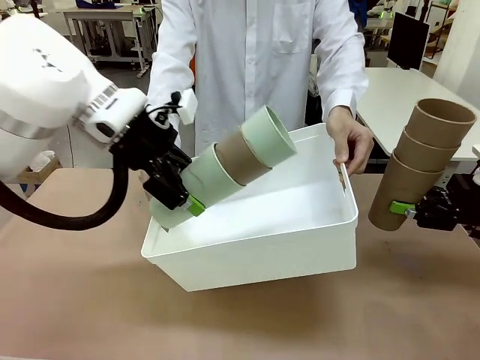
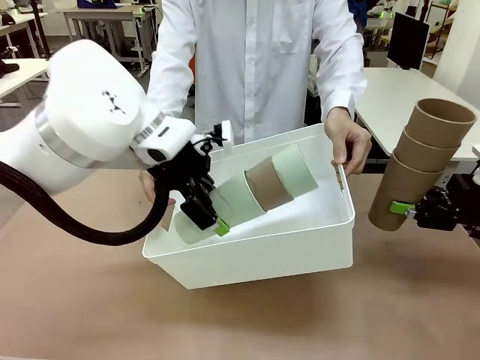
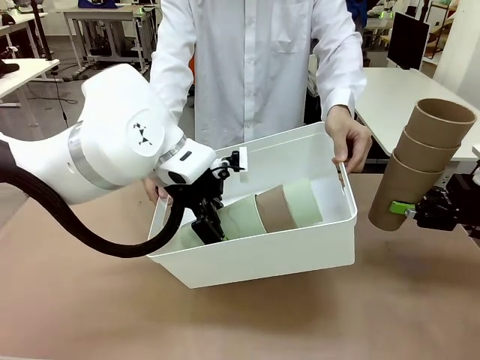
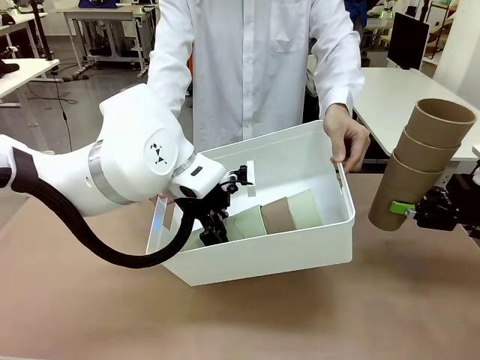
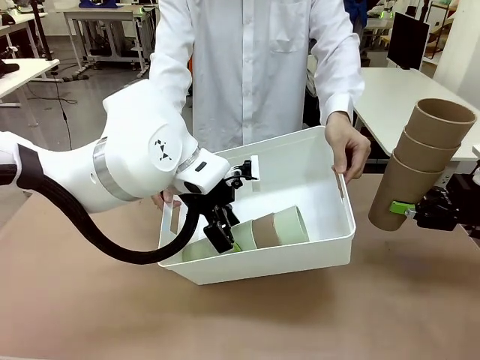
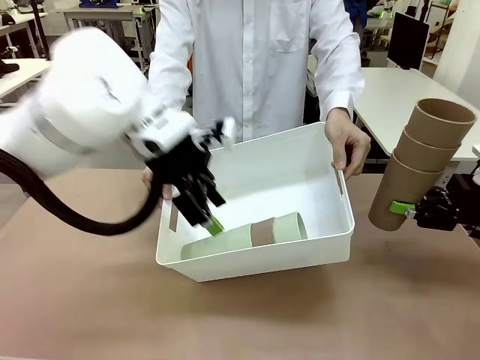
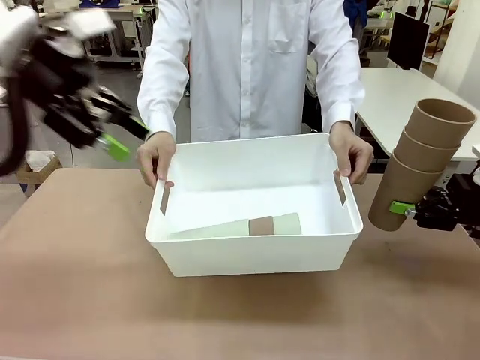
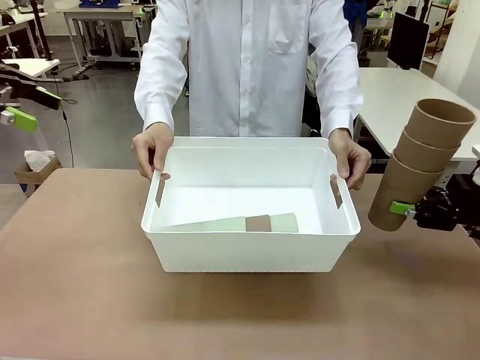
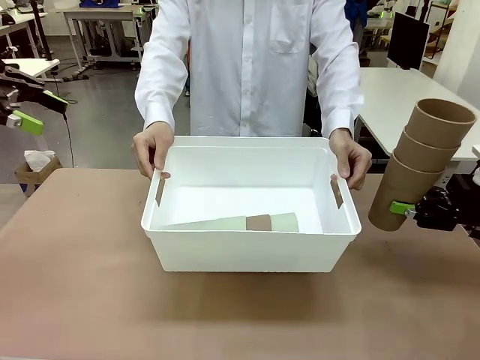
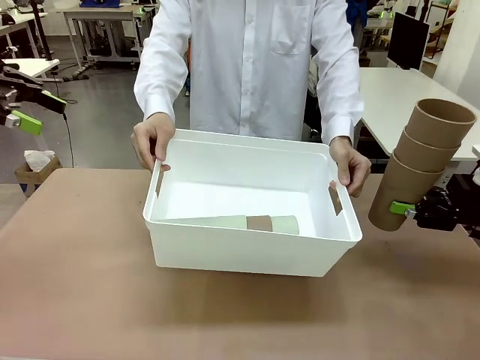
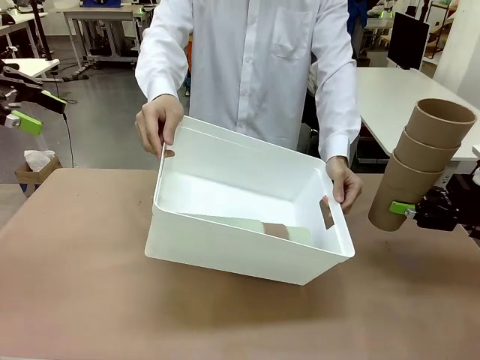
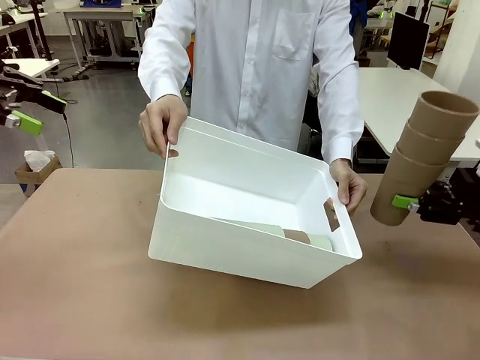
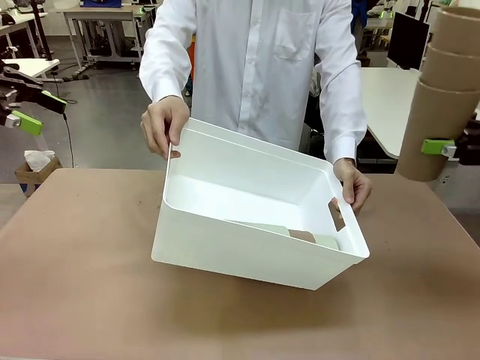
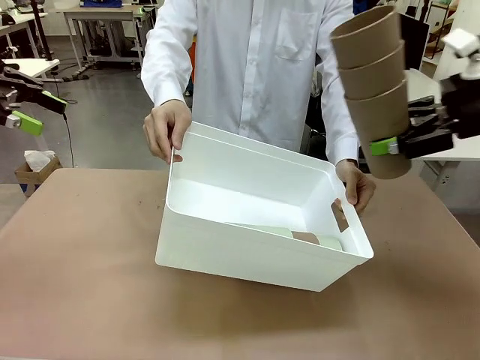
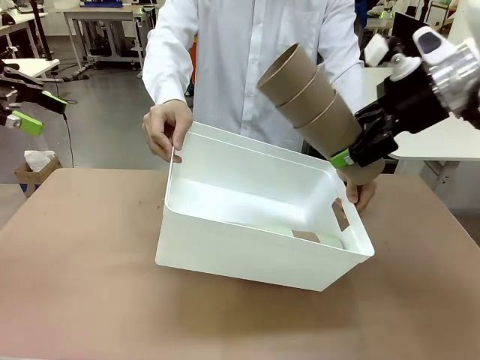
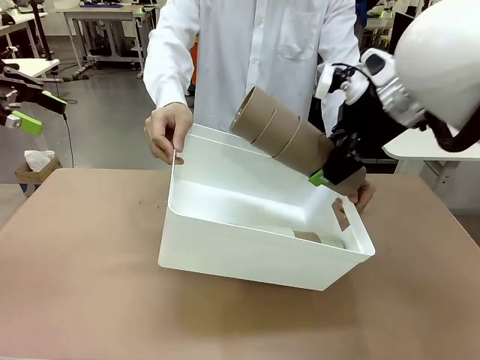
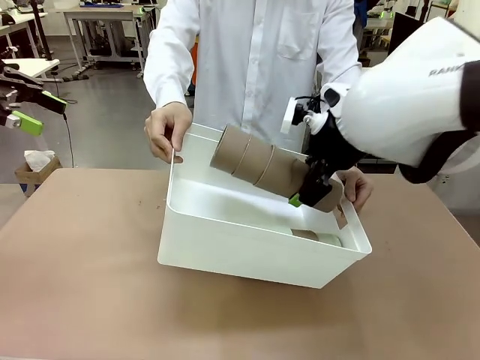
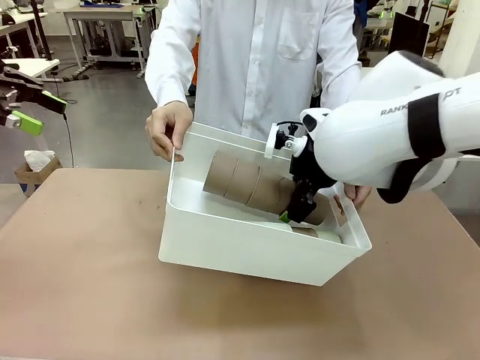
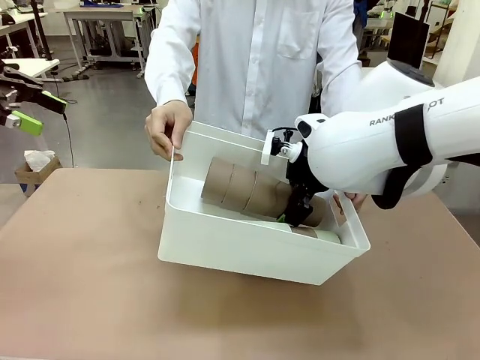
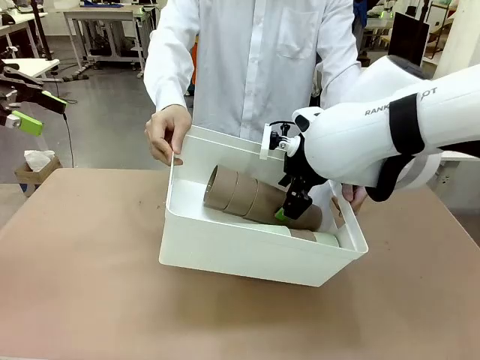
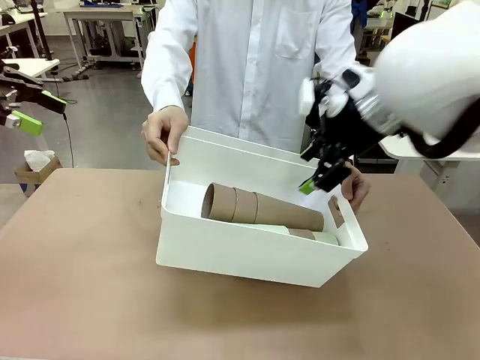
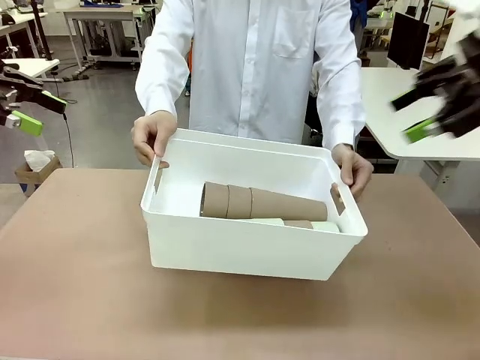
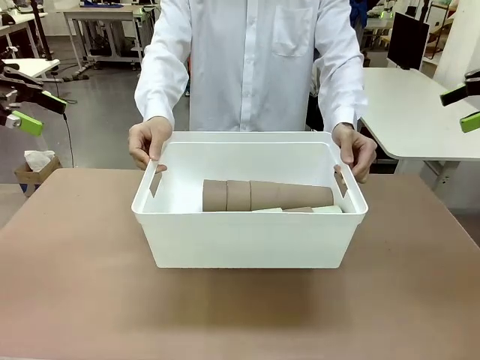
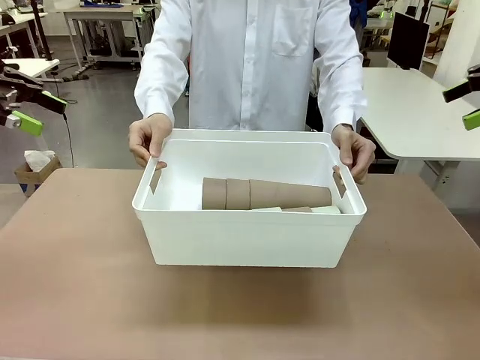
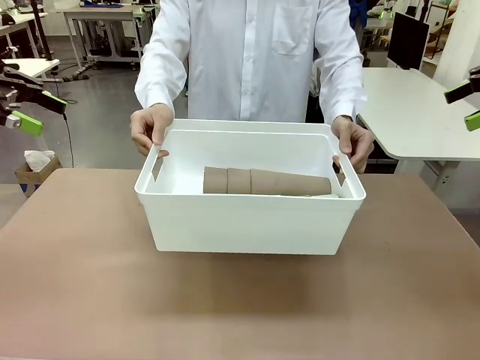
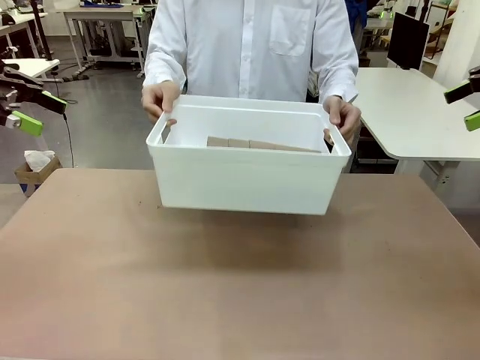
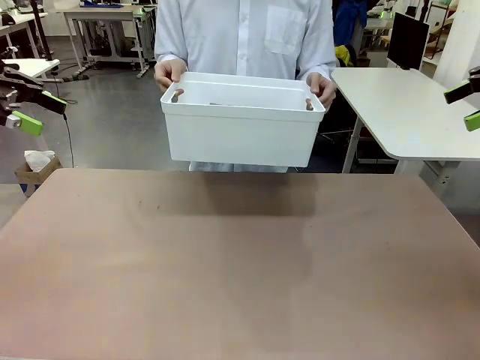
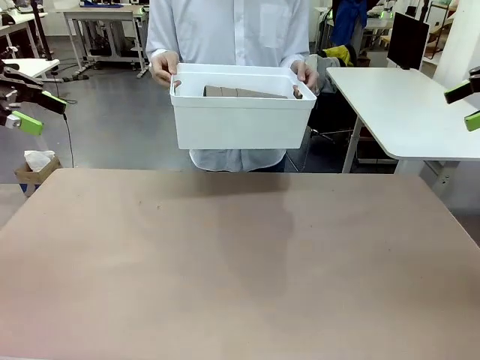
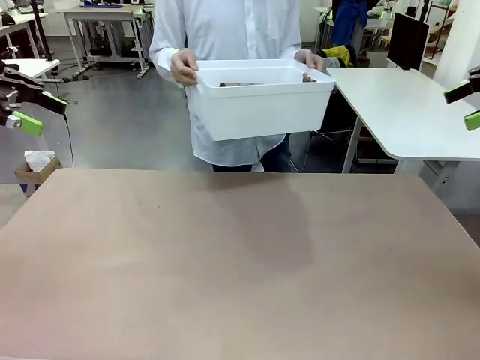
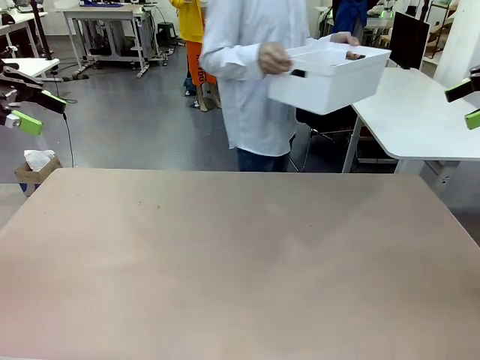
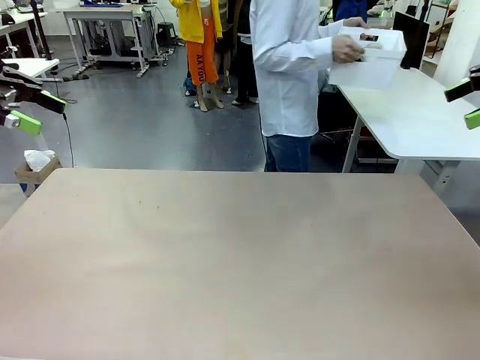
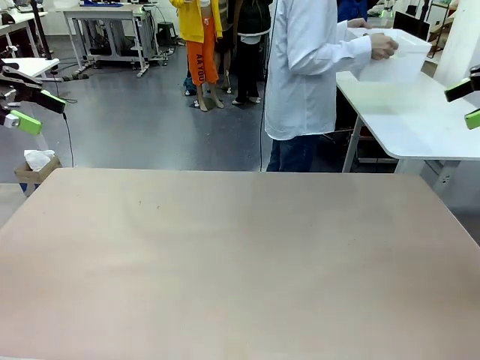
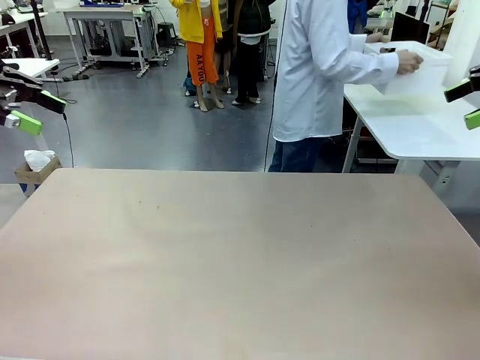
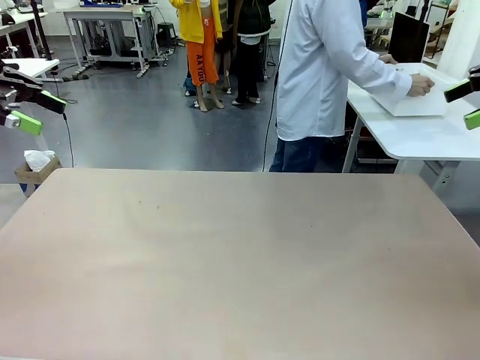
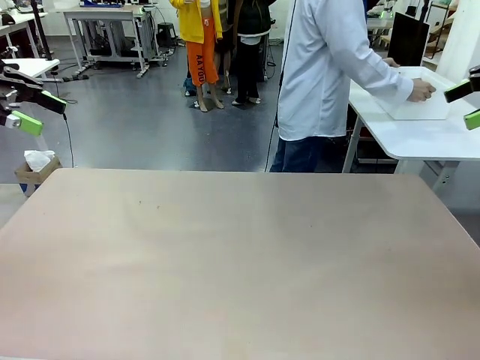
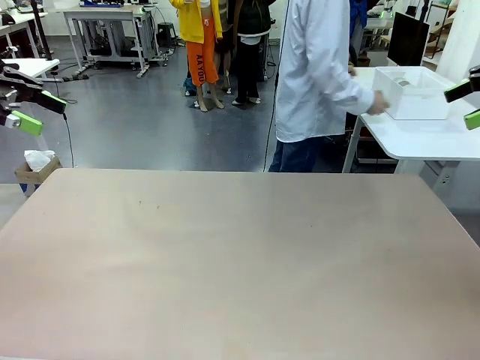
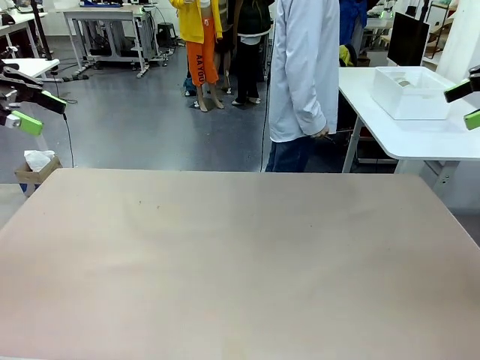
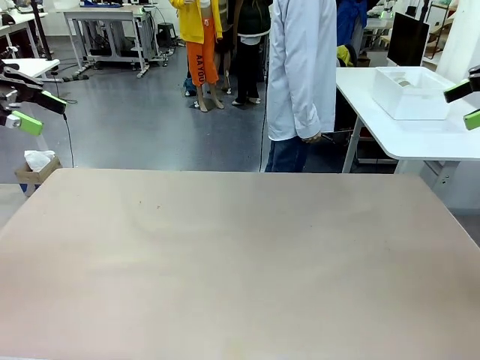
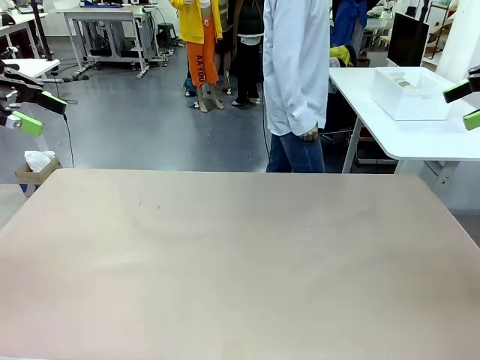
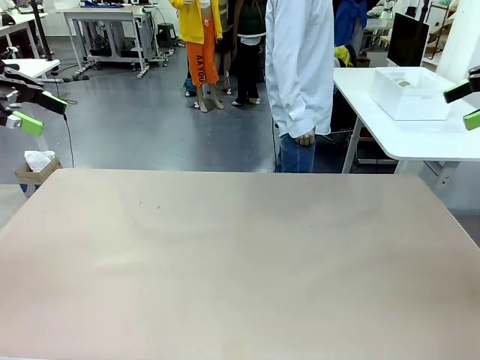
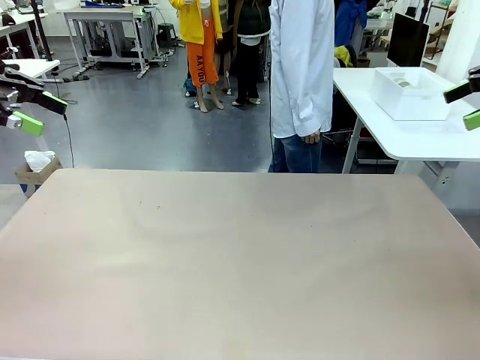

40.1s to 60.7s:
Task: Stack the cups and store them in the basket.
Robot: Place the stack of Reusable plastic cups into the Pantry Basket.
Person: Place the basket containing the cups in the middle of the Human Table.

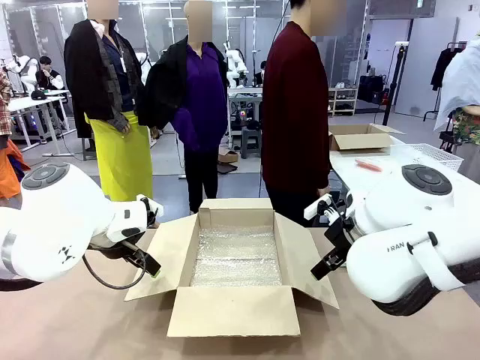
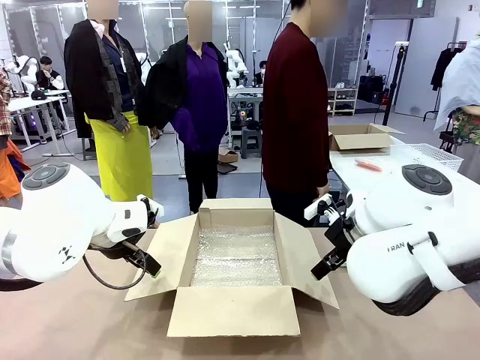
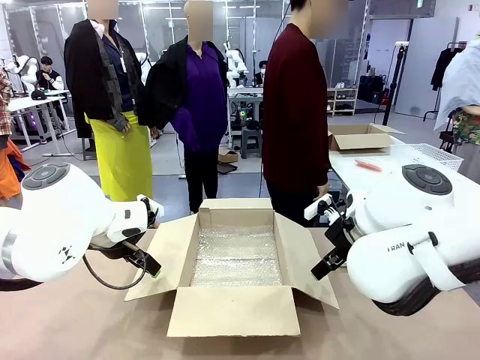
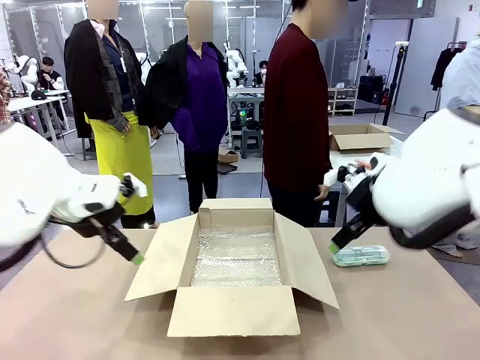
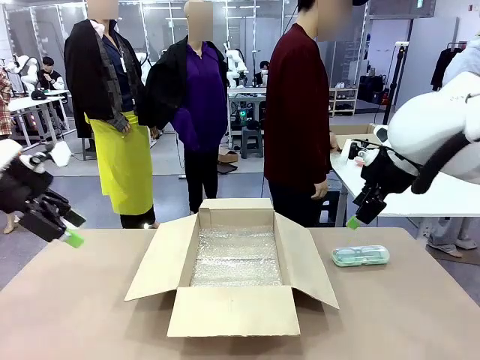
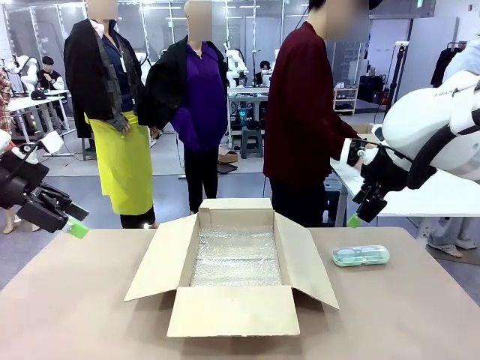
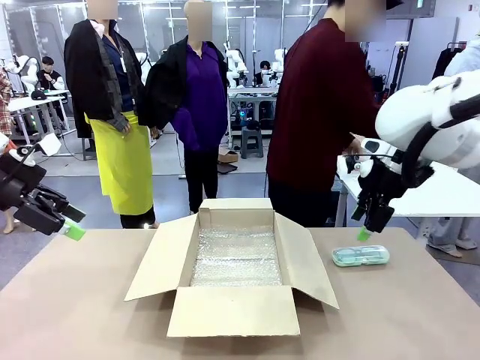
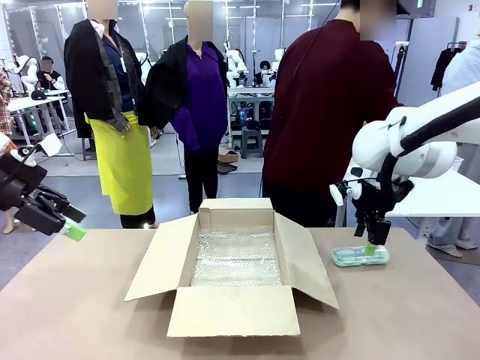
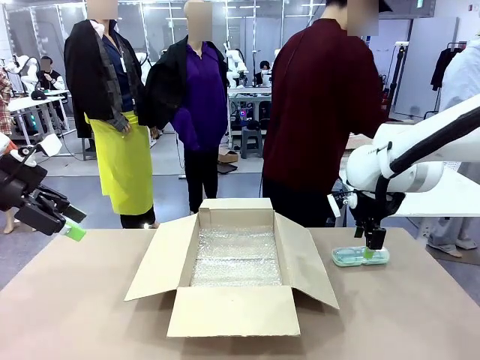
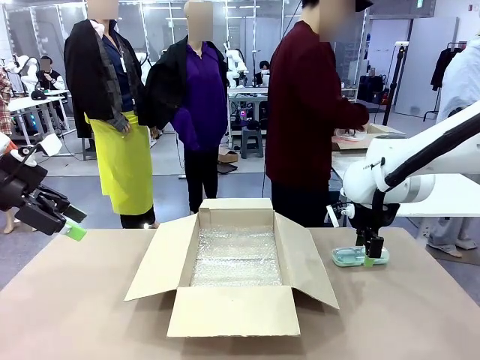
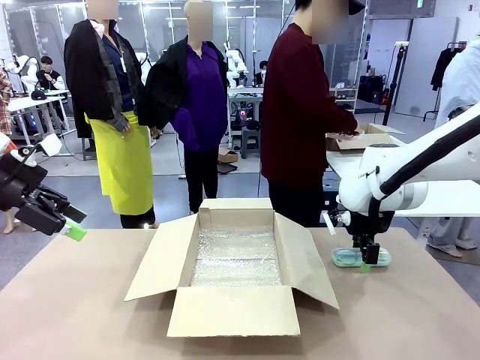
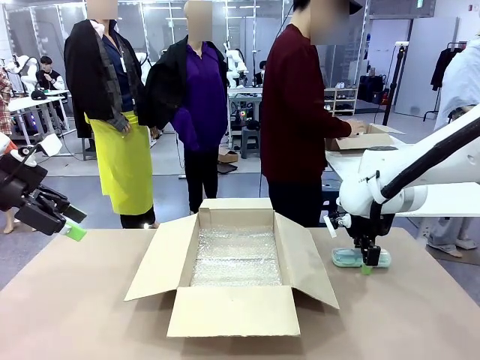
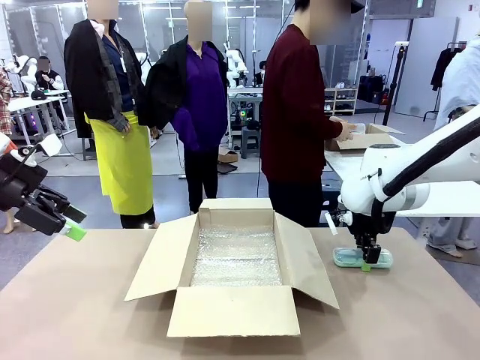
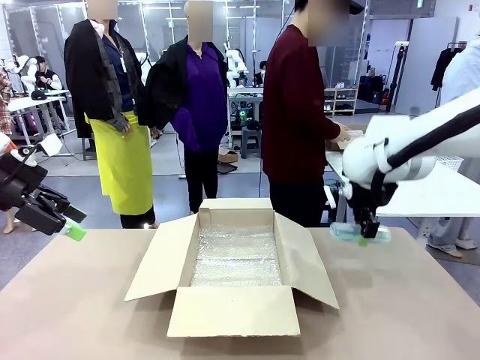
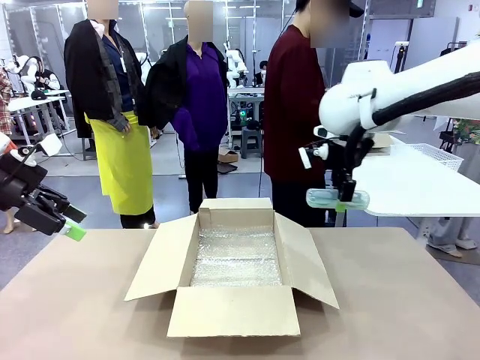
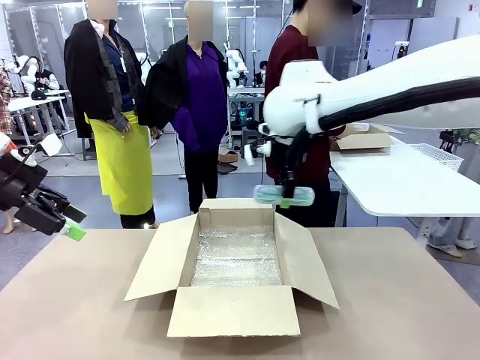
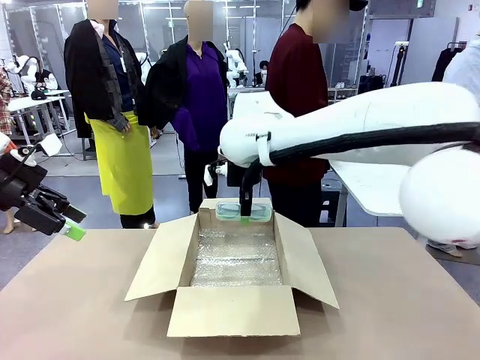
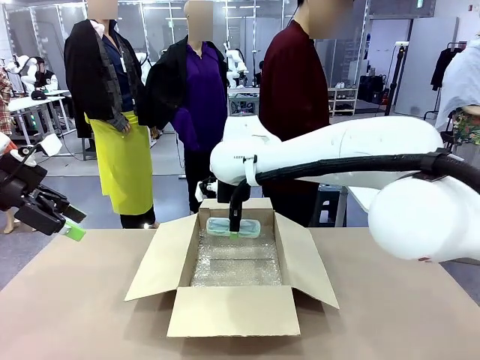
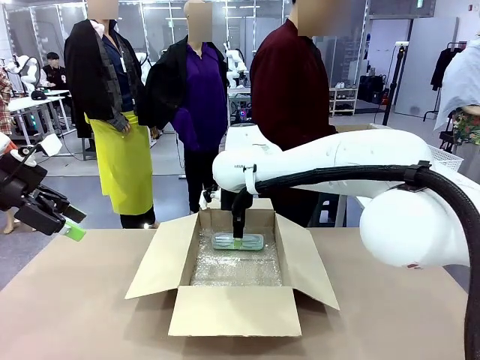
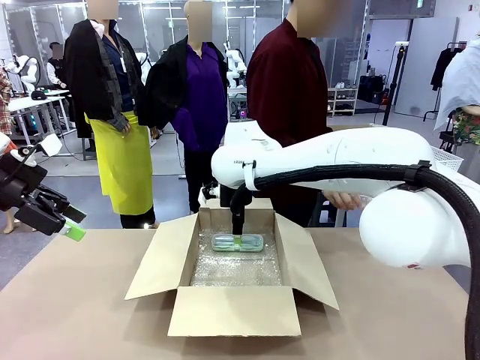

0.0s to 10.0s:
Task: Pack the glasses set securely to prepare it for shipping.
Robot: Place the Glasses case inside the Package Box.
Person: Place the Glasses inside the Glasses case. Position the Glasses case on the left side of the robot's table.
